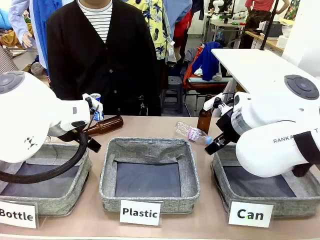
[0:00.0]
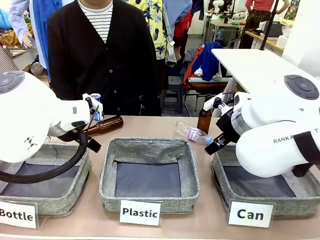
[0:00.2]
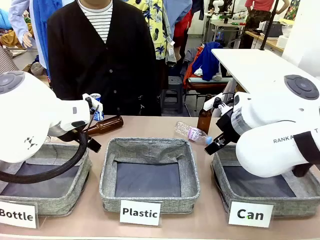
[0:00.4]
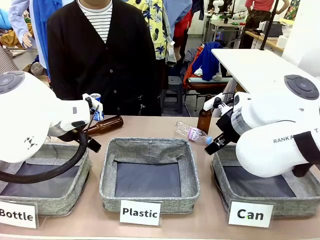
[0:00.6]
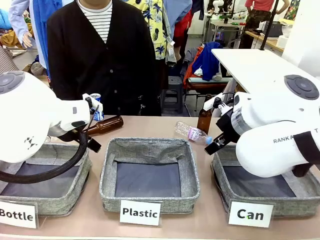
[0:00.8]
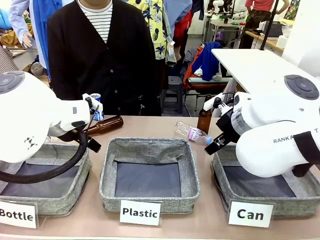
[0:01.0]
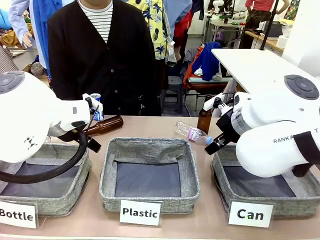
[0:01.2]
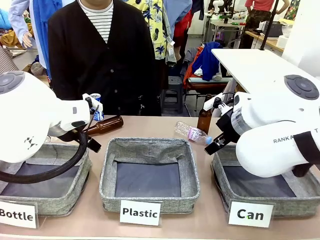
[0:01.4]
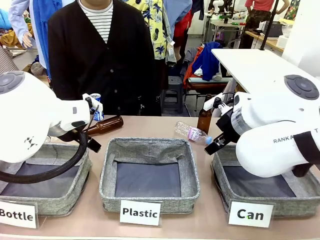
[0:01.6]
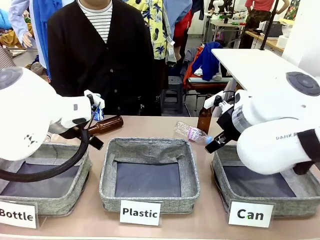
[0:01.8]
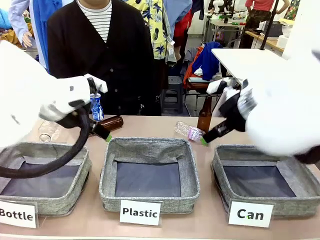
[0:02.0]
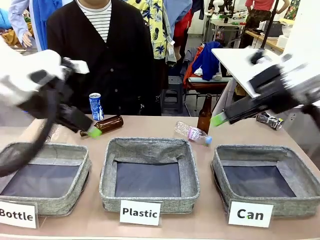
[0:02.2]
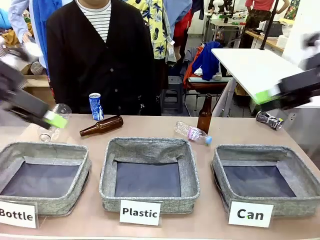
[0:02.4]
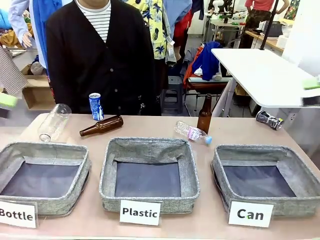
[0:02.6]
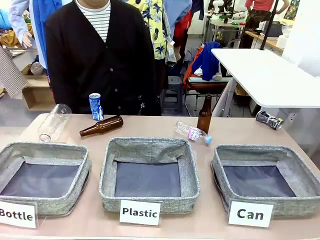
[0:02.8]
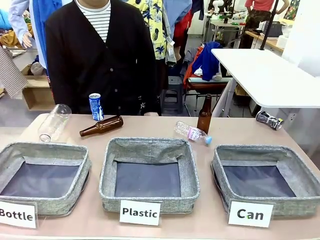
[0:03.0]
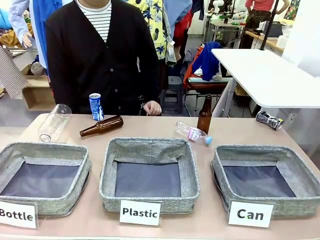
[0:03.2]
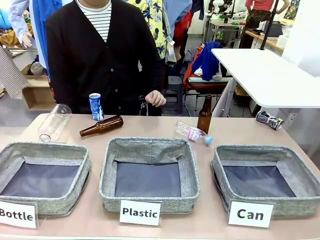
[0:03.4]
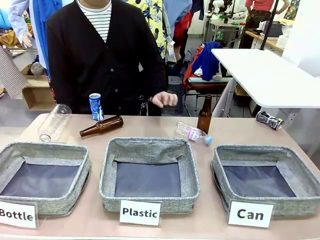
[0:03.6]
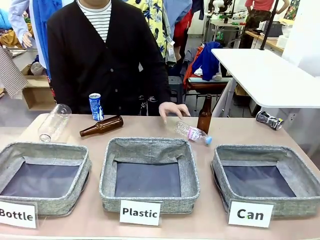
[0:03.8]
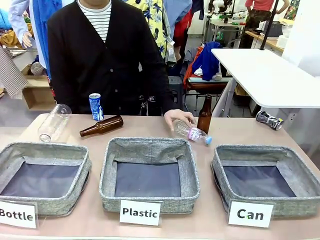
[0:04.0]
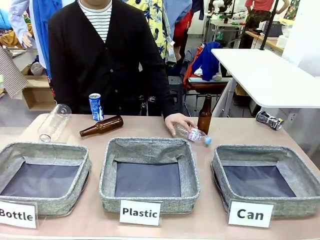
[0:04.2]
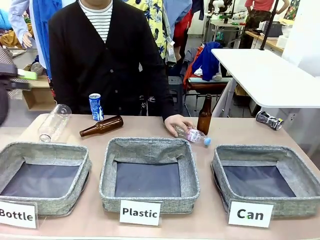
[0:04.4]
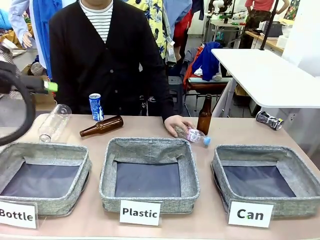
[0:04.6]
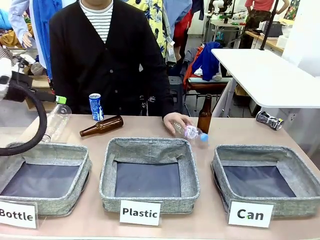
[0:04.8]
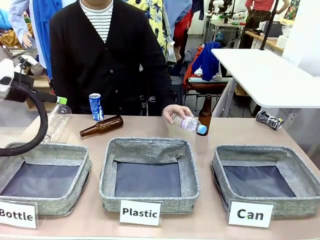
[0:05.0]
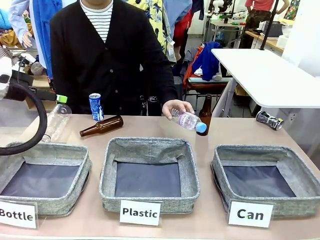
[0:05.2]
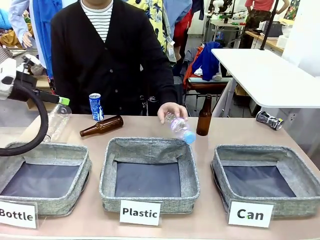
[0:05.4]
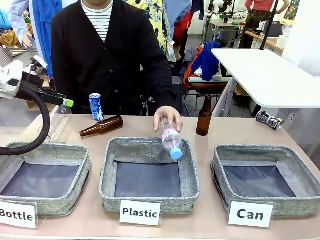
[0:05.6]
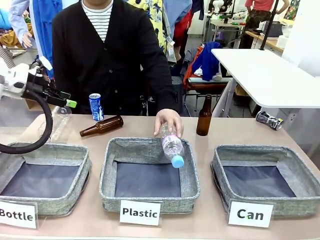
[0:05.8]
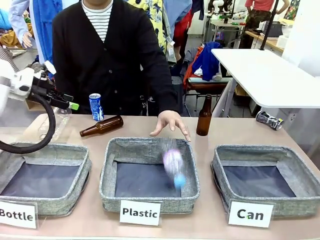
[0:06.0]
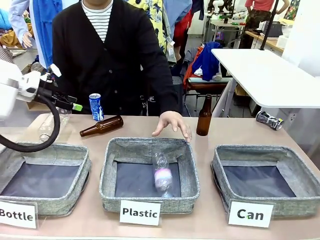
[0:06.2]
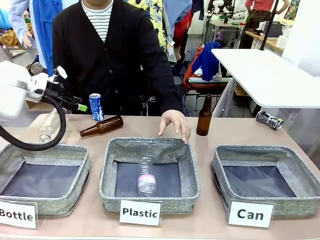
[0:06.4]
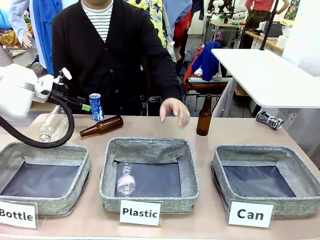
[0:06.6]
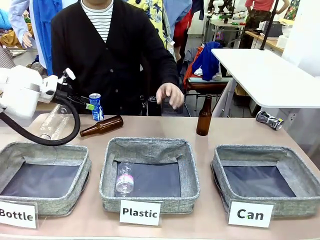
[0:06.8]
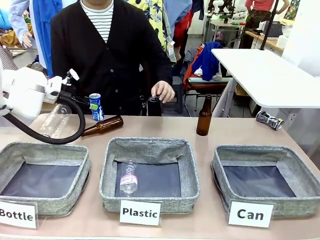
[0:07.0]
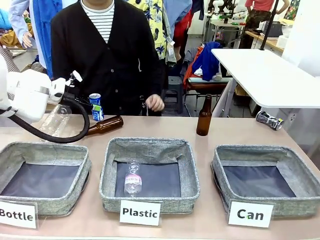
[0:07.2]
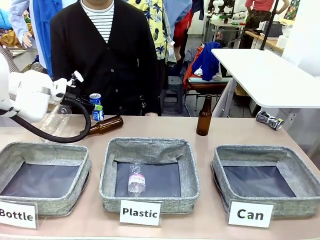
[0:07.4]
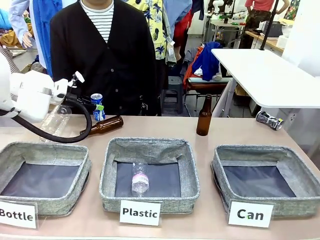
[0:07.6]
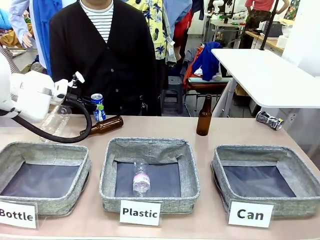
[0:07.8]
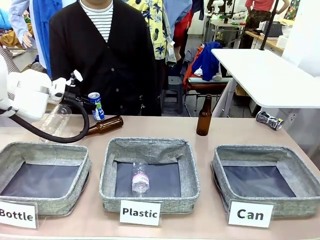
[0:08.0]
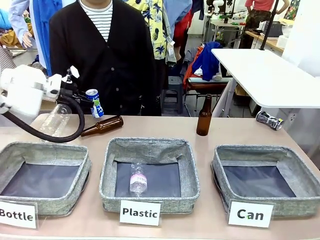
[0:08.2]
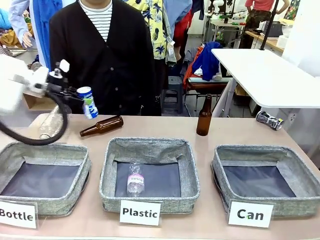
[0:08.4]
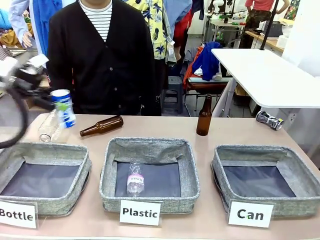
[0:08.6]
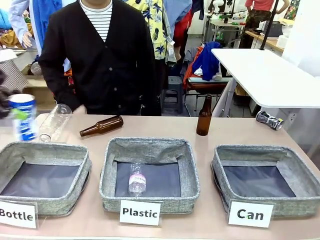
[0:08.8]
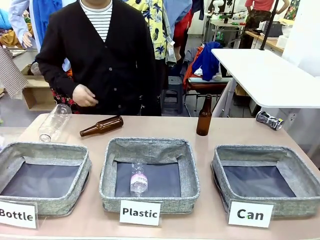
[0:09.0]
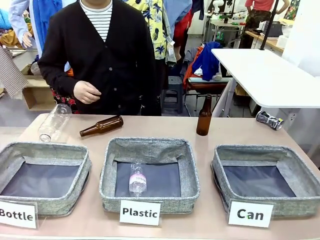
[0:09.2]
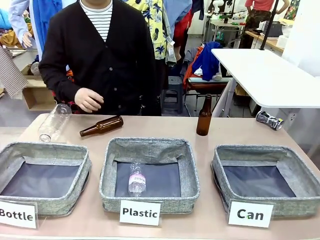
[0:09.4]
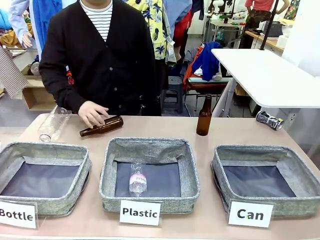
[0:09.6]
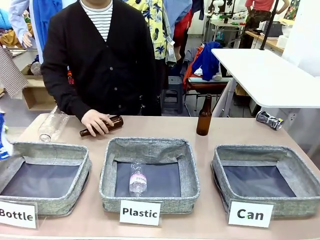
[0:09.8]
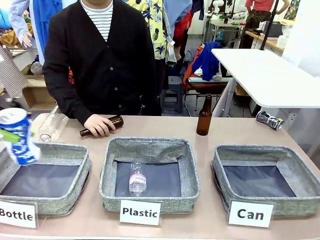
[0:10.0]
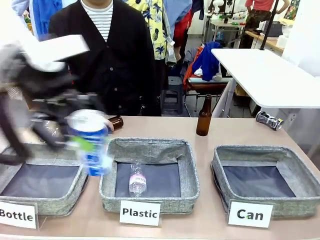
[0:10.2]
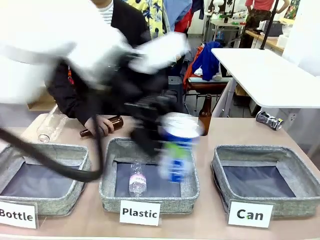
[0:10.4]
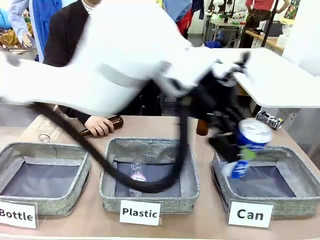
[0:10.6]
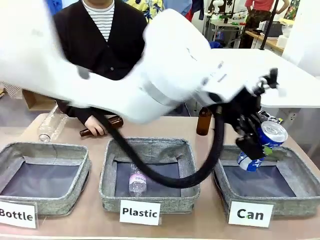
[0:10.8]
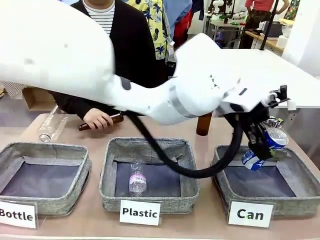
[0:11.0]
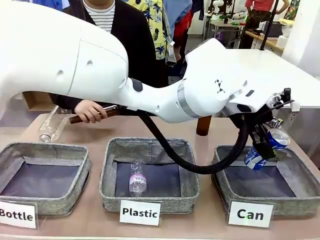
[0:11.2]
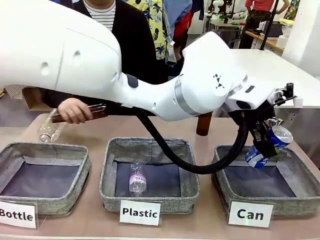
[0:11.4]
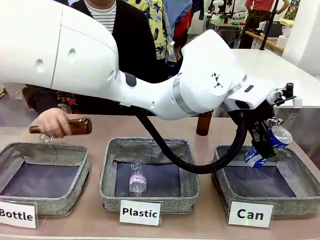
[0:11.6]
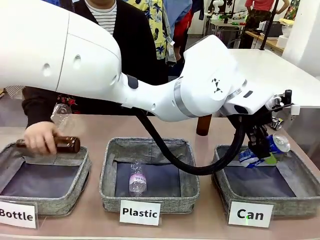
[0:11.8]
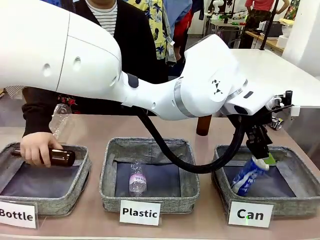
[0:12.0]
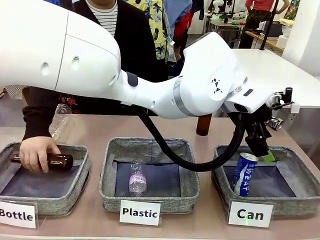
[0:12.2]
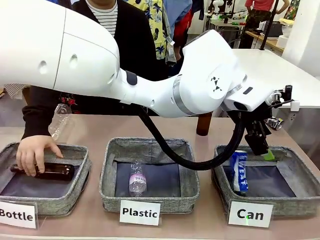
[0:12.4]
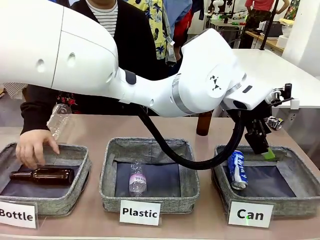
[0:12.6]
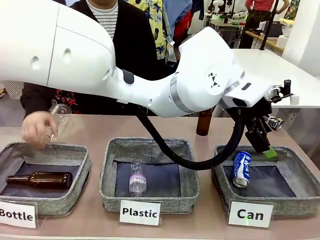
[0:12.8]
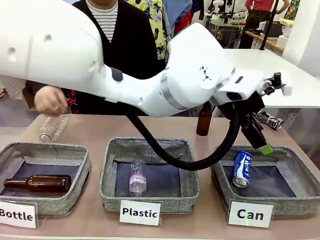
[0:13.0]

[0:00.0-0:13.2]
Task: Sort the can waste into the basket.
Robot: Pick up the can waste from the table and place it in the right Fabric basket.
